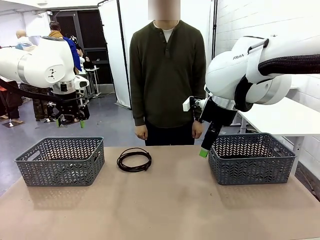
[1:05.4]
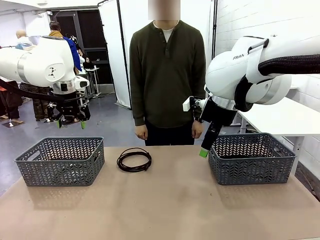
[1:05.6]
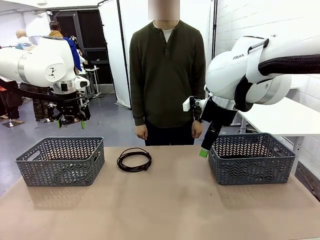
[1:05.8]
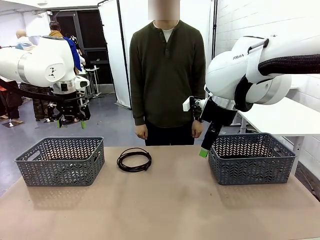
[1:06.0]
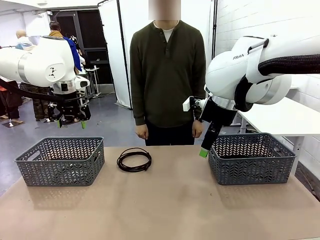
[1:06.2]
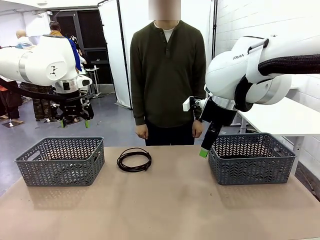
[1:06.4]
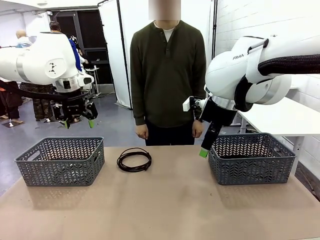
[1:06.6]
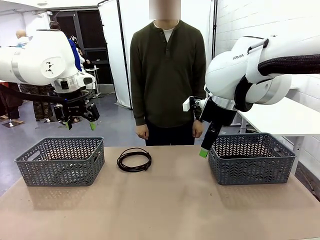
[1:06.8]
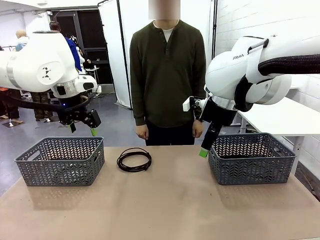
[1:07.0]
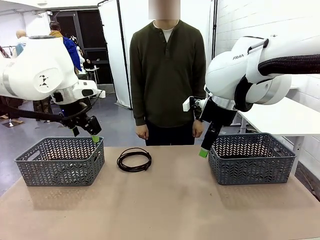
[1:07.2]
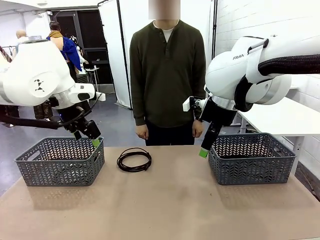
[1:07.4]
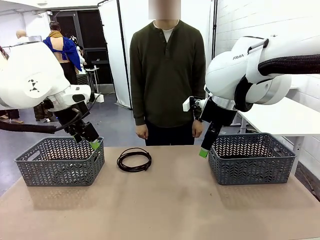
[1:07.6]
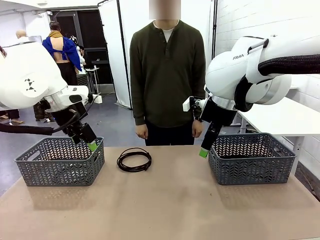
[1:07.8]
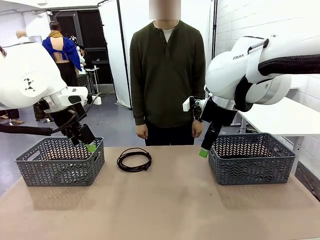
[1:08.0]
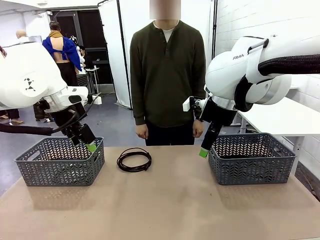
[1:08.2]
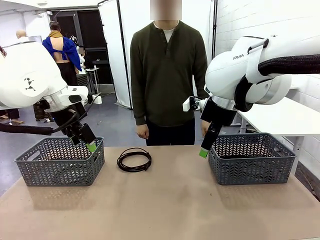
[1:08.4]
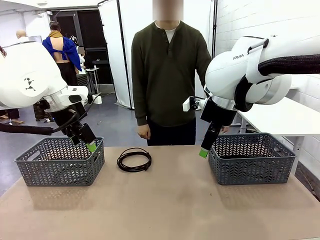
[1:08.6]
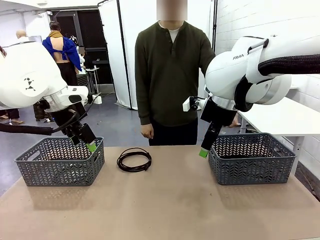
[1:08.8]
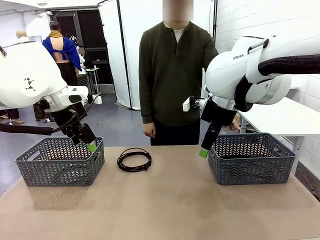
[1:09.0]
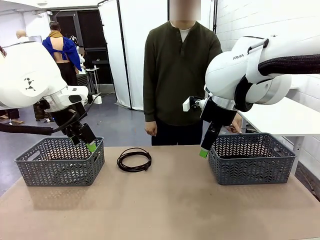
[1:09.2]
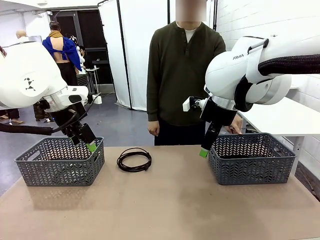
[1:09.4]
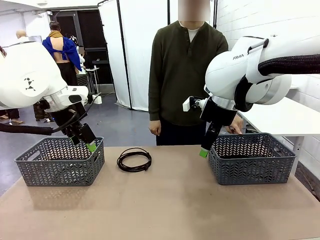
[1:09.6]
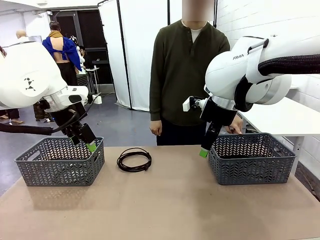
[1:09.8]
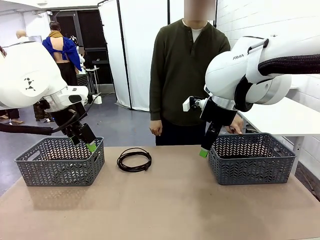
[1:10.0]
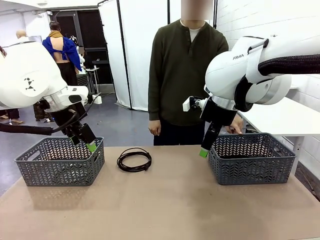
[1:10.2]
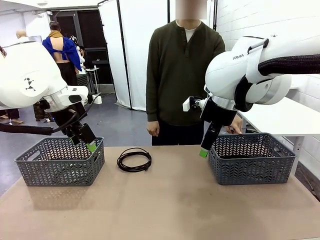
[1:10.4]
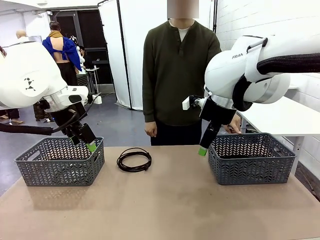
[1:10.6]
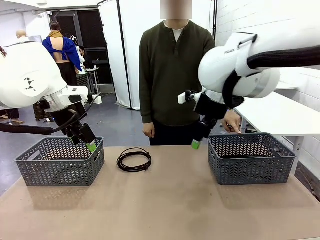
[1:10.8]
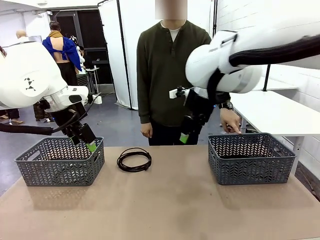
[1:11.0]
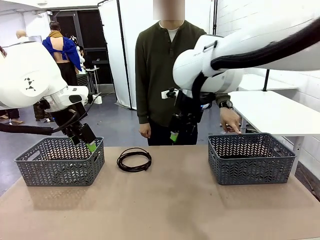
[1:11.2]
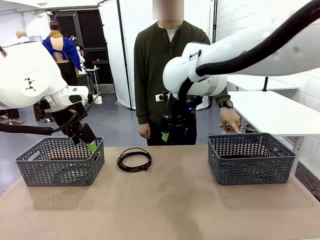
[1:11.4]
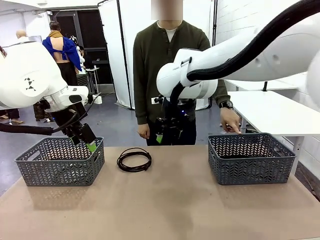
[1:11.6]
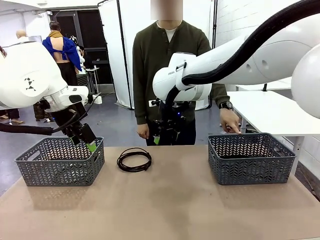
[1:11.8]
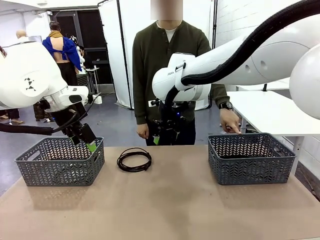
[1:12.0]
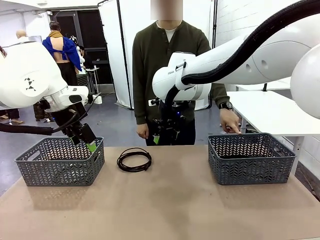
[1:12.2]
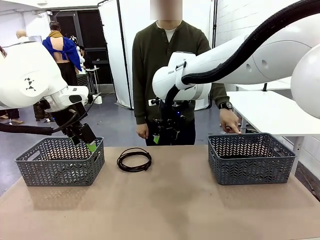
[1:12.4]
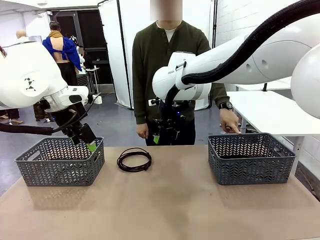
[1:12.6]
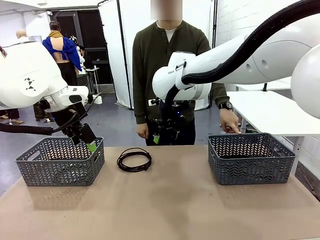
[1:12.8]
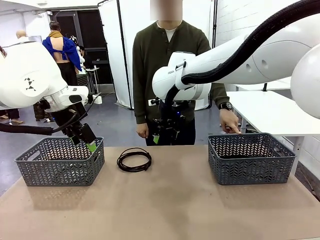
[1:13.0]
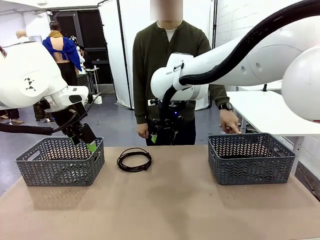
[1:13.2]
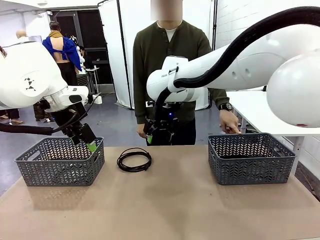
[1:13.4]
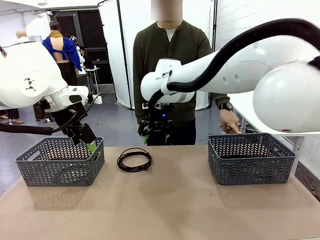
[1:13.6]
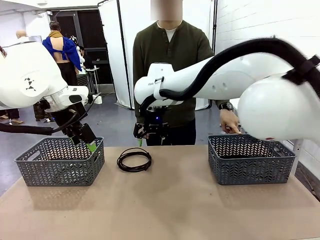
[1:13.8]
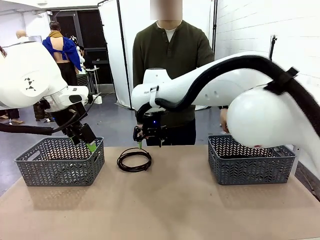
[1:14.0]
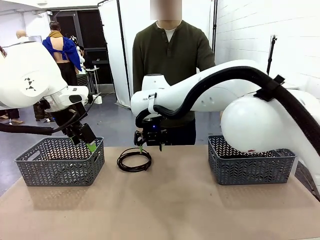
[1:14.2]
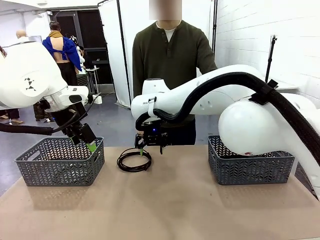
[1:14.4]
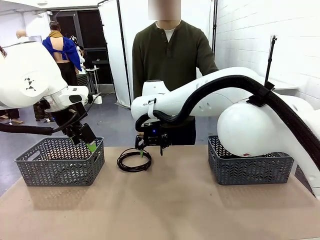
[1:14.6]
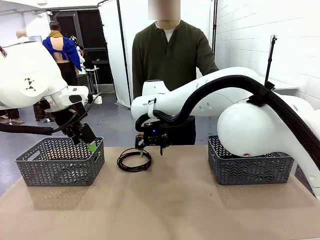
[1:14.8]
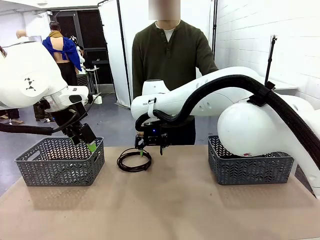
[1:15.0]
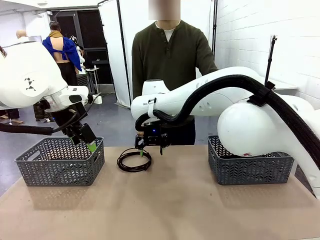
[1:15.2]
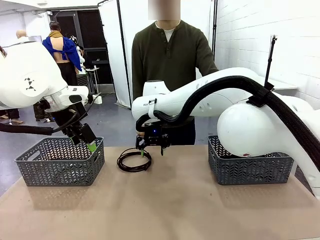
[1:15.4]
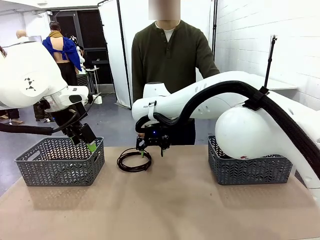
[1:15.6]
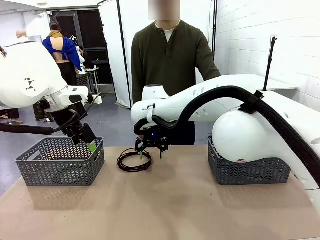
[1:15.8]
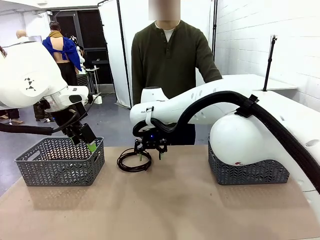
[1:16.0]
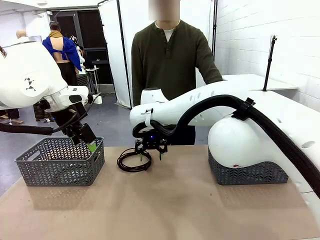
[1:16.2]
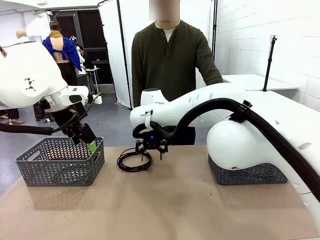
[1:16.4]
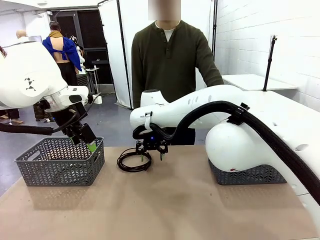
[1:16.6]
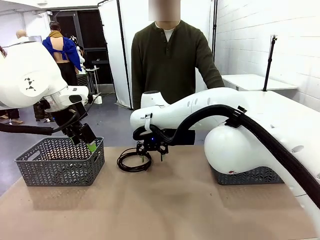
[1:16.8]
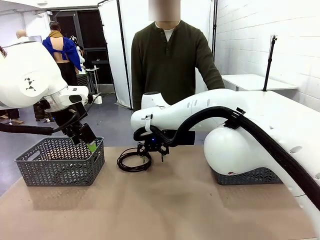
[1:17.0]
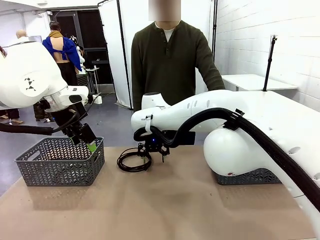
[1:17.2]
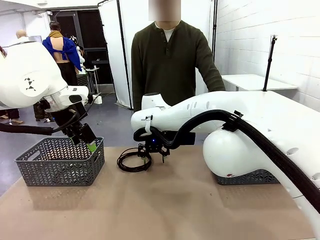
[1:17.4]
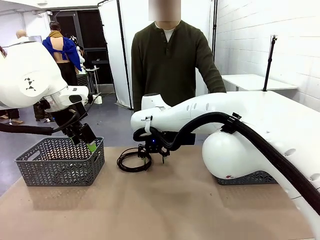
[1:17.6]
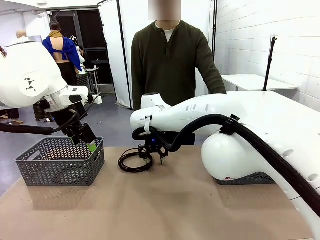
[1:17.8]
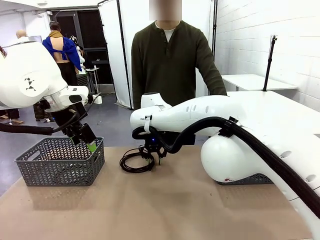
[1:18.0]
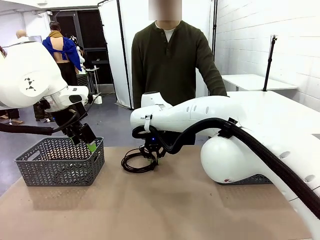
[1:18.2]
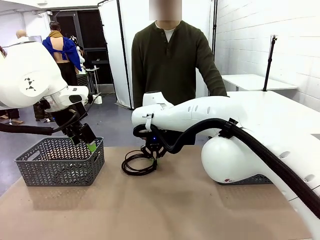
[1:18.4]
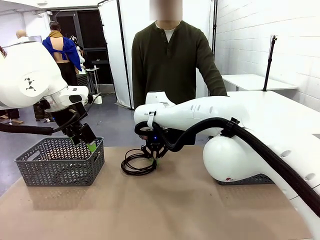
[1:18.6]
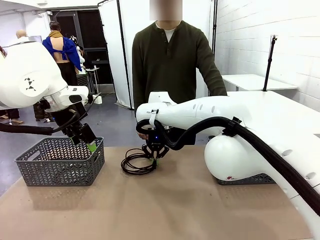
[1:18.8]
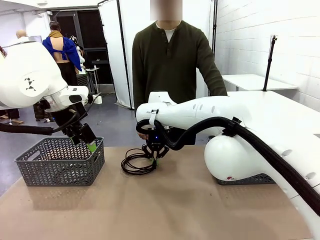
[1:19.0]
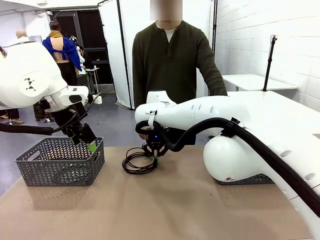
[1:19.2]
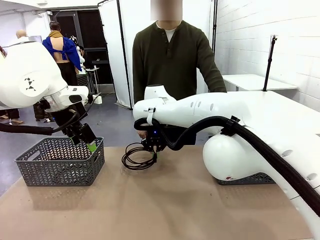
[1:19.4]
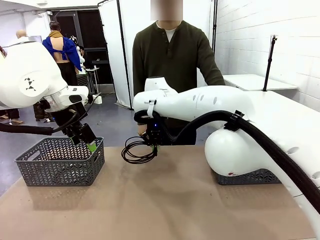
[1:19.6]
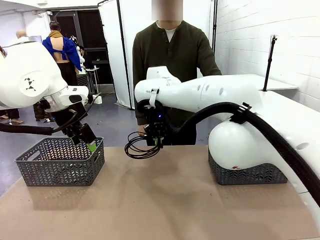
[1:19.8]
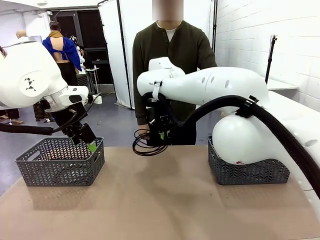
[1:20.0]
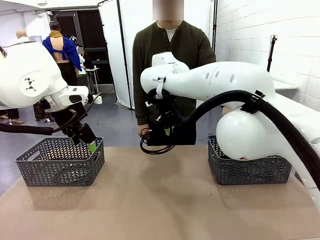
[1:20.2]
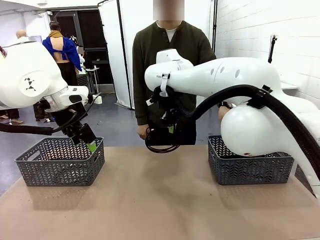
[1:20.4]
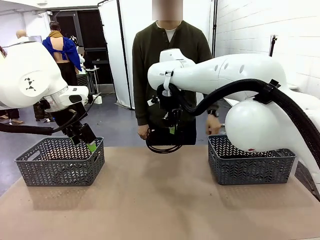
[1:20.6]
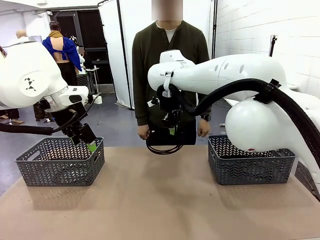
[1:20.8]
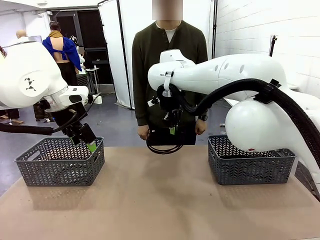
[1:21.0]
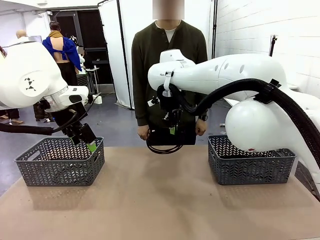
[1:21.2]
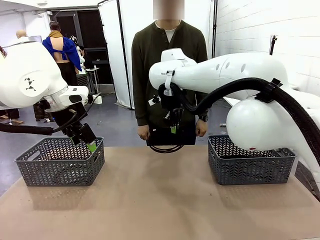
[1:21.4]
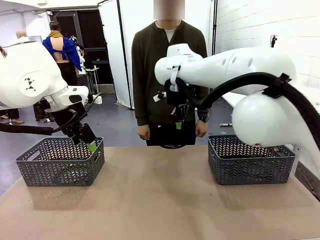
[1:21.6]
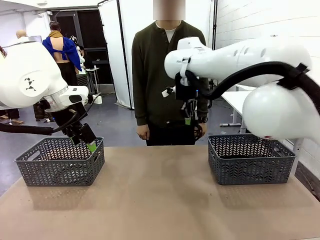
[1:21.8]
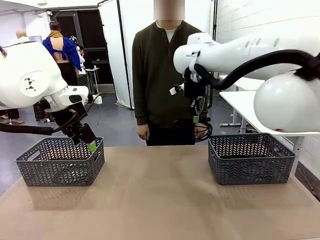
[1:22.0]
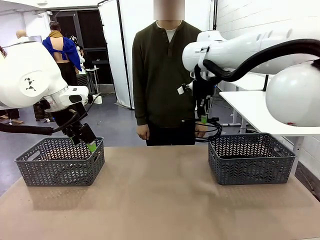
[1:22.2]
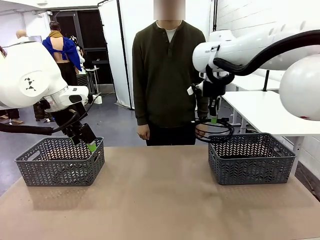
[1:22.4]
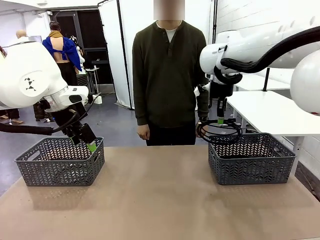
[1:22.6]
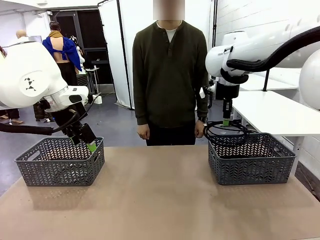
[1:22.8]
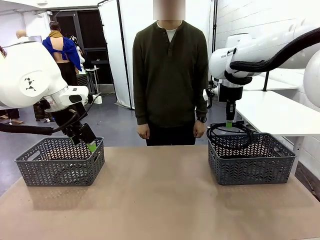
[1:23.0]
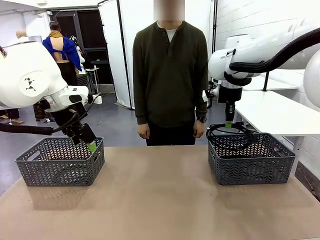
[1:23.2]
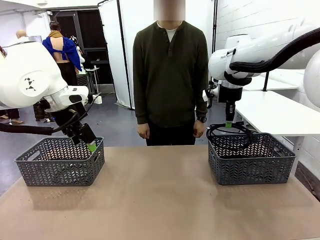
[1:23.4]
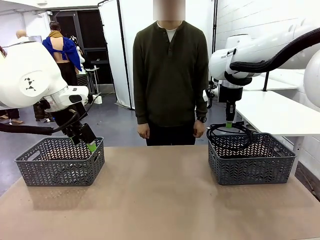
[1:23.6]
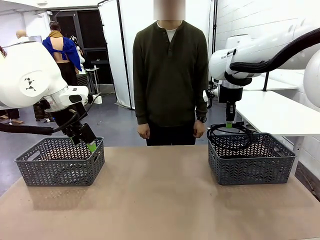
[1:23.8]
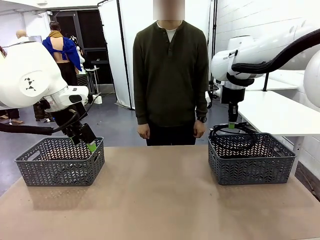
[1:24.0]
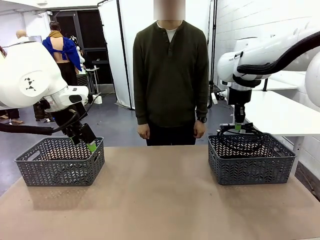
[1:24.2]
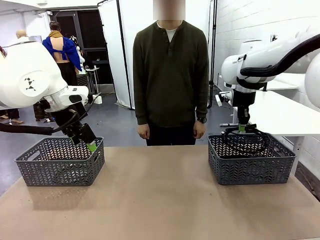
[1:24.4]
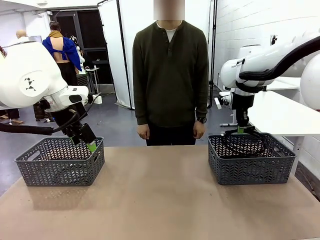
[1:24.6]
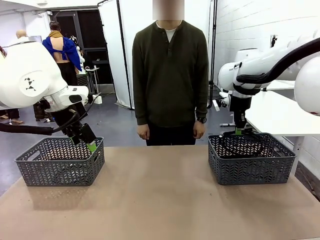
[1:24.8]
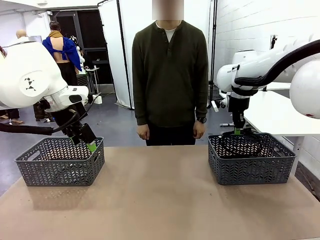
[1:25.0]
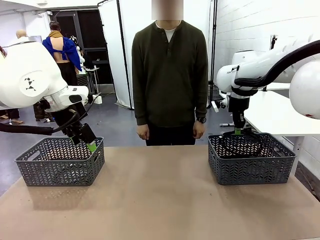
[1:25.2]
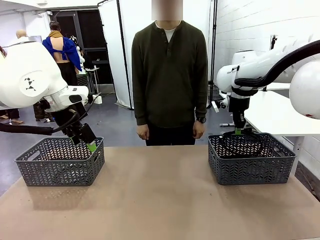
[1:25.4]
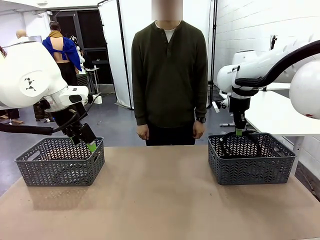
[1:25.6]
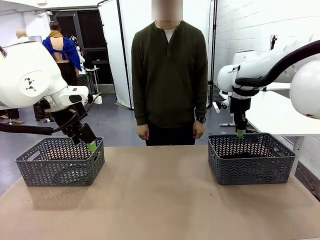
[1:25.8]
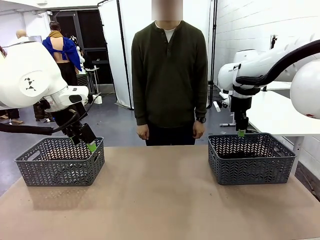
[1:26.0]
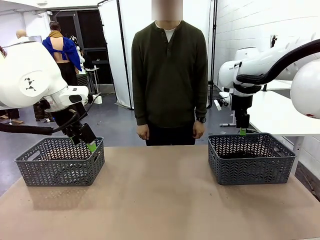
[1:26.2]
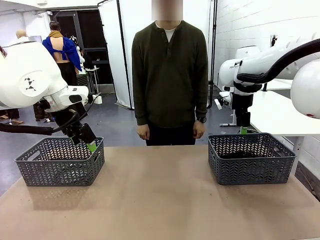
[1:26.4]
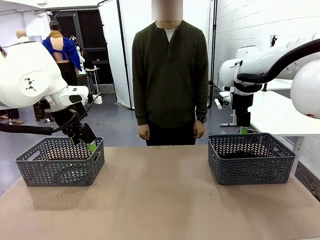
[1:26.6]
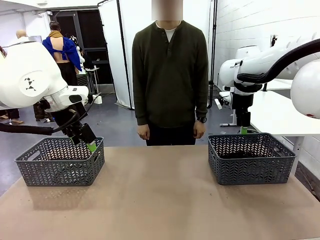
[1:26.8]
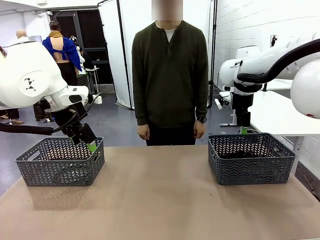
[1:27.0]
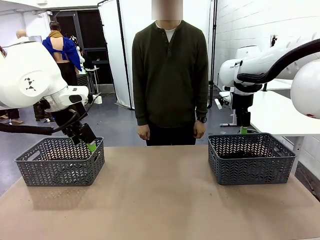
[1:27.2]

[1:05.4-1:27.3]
Task: Organize the cables according to human instructions.
Robot: Pick up a bundle of cables and place it in the basket indicated by the human.
